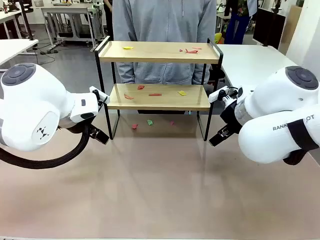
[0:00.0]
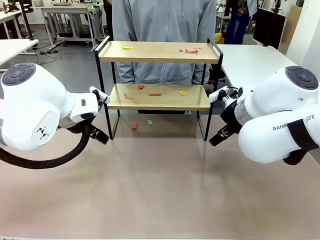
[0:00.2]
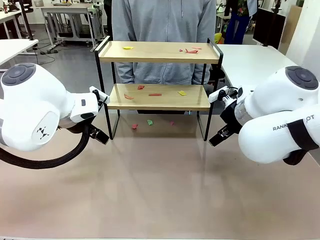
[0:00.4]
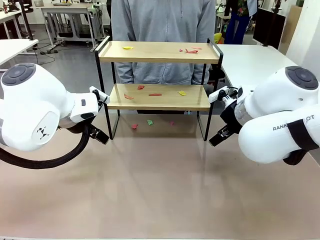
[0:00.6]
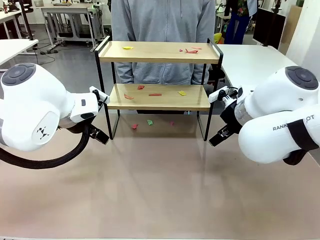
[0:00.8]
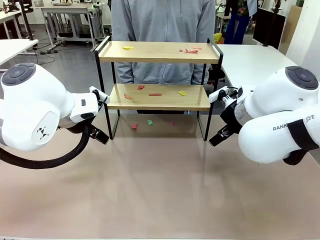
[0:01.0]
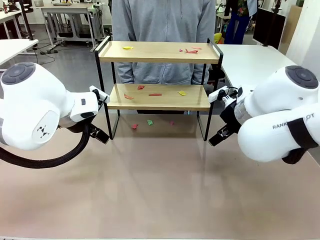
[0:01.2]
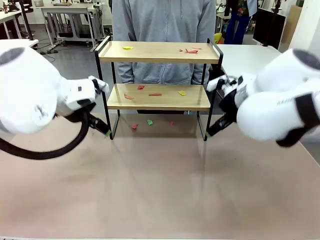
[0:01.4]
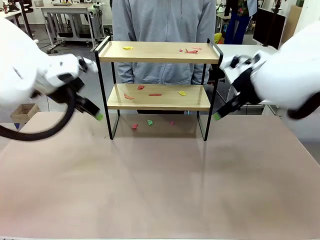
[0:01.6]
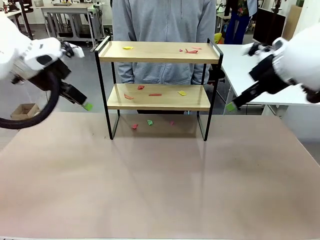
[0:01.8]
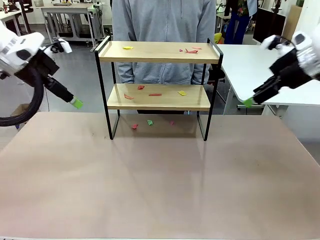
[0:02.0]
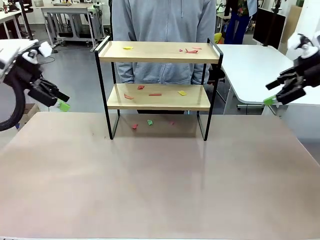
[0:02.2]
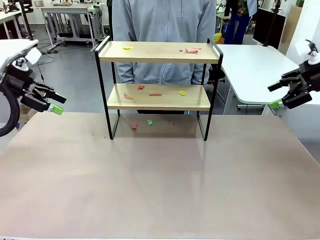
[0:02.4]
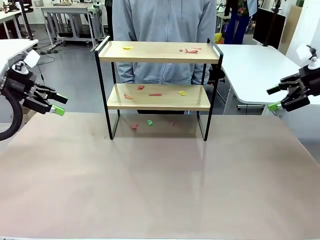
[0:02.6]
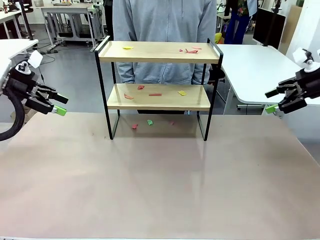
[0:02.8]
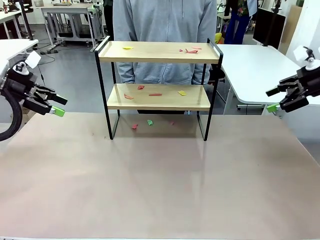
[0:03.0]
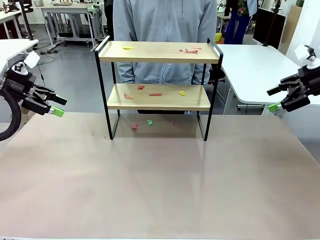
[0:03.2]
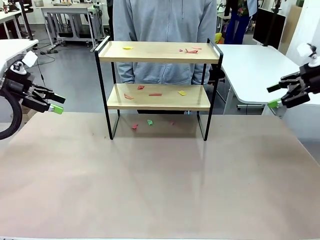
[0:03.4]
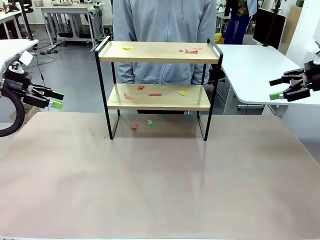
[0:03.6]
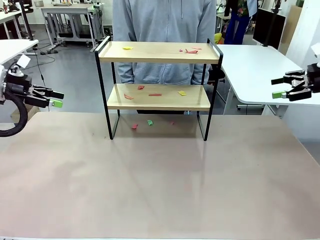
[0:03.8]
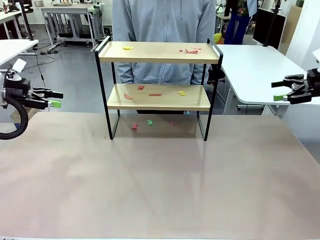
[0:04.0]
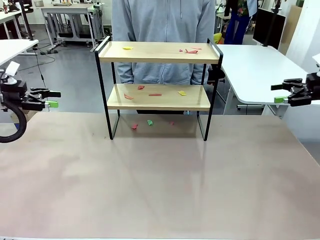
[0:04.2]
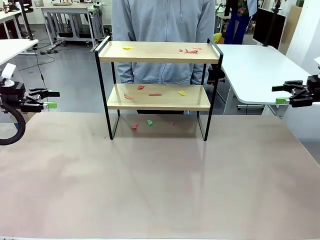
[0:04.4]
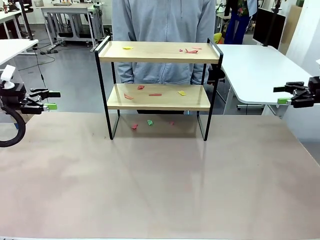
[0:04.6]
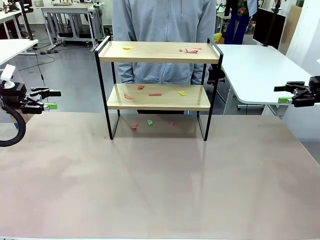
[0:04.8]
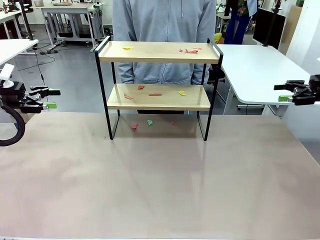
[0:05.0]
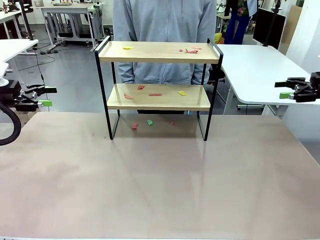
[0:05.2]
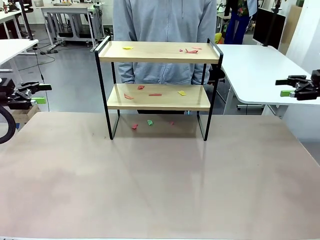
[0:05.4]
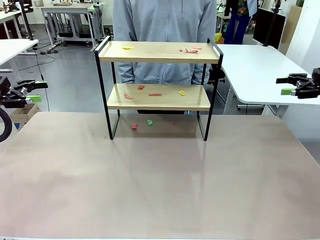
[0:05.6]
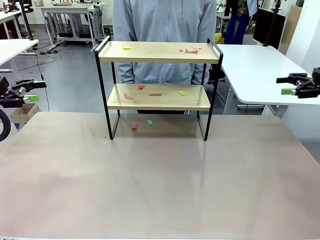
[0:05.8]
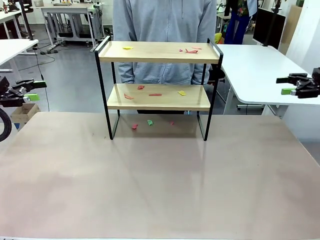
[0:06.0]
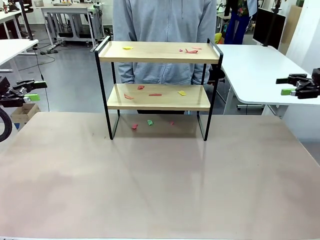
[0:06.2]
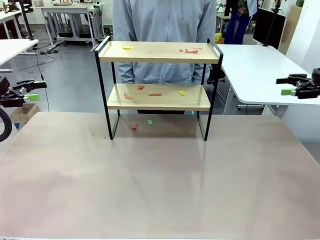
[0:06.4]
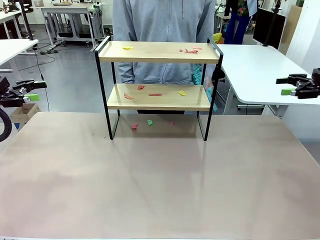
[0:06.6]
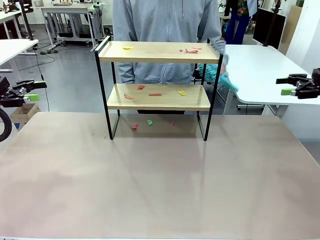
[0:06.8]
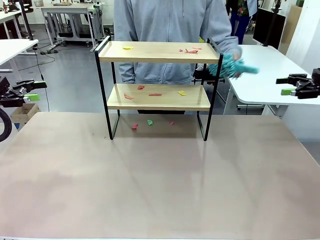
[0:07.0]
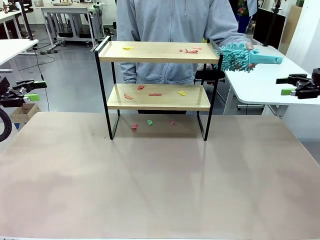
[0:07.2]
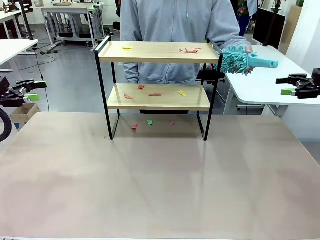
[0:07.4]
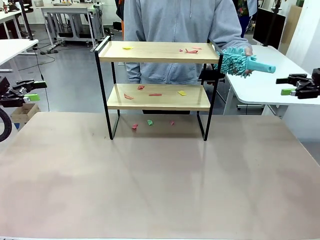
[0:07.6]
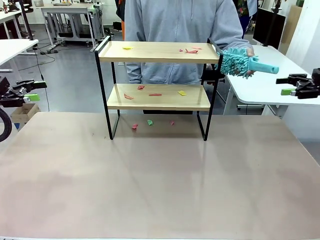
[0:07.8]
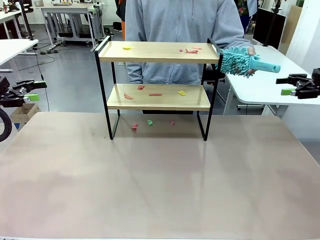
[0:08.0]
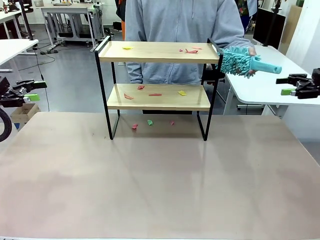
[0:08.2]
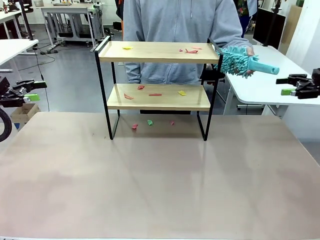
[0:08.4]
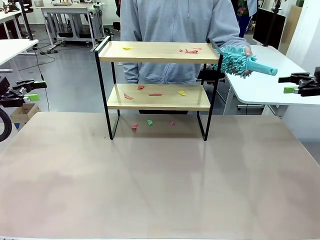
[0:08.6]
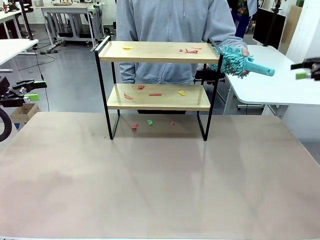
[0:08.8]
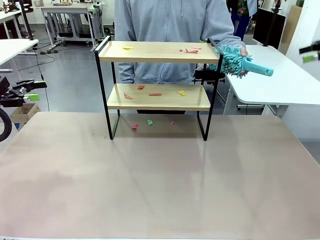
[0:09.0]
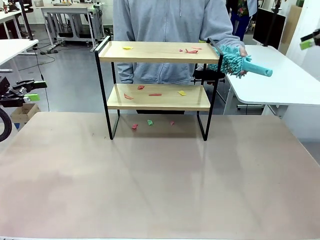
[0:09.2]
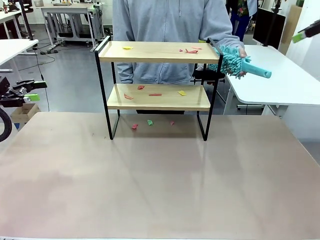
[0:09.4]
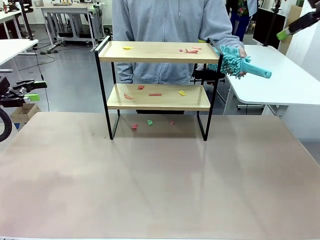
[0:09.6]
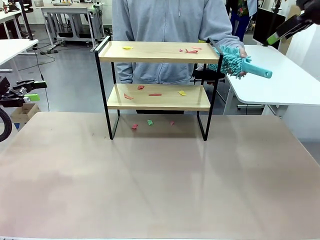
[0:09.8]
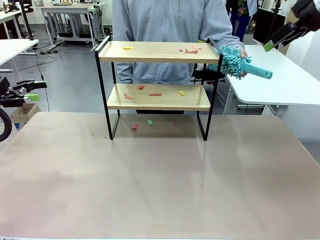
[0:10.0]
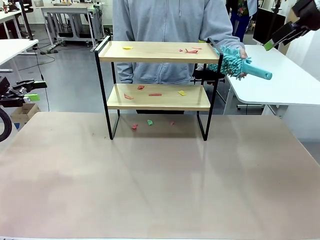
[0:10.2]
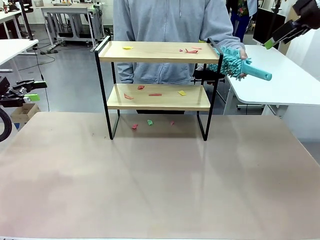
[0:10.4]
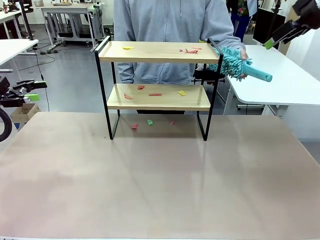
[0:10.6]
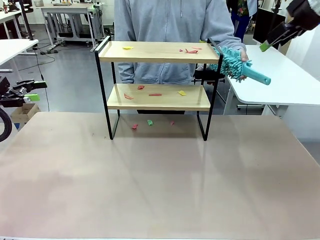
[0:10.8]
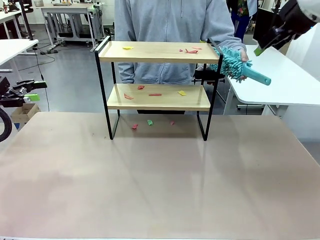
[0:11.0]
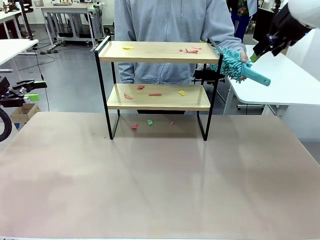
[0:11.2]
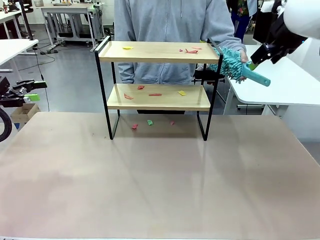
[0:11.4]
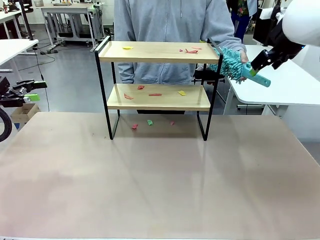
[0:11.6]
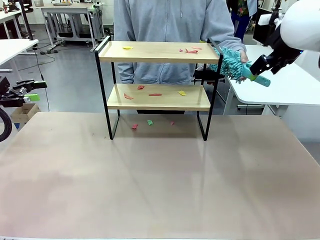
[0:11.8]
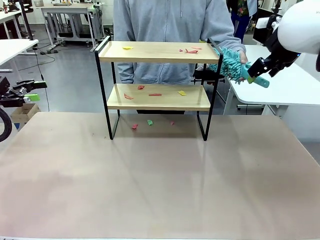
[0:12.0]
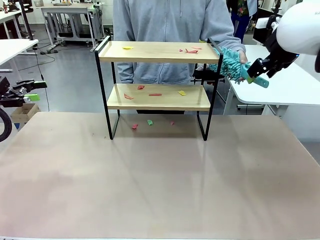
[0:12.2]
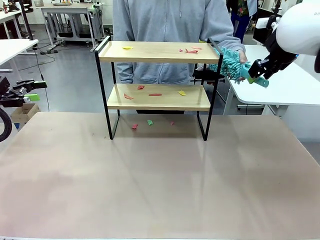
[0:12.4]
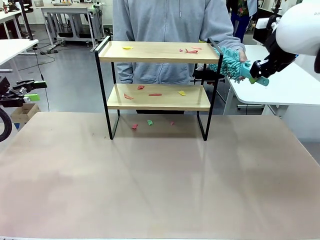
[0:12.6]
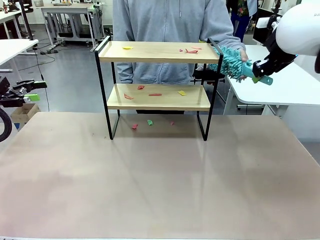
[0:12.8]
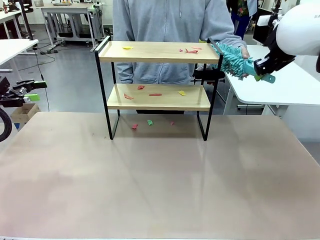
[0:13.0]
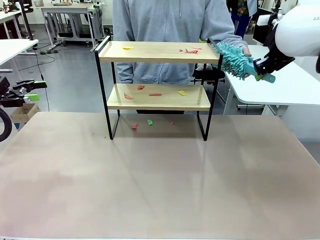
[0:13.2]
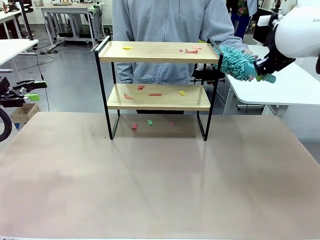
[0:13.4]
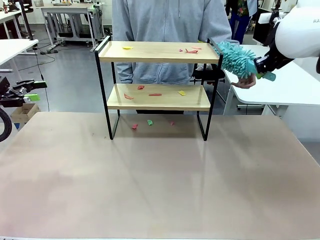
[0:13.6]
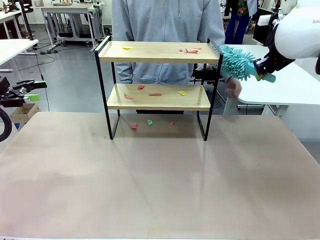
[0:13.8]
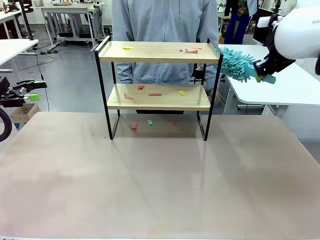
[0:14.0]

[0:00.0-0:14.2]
Task: Clean the shelf.
Robot: Pick up the Duster handed by the human.
Person: Hand the Duster to the robot.
